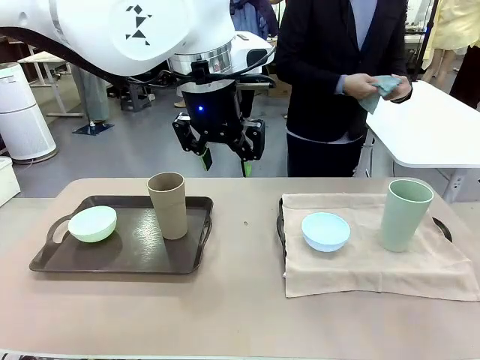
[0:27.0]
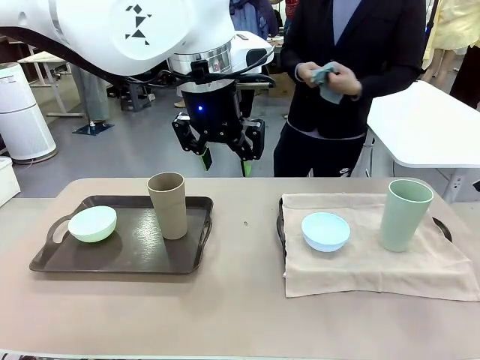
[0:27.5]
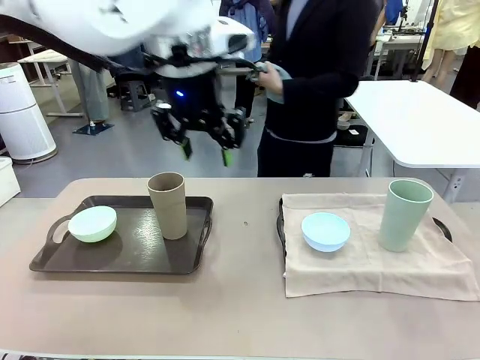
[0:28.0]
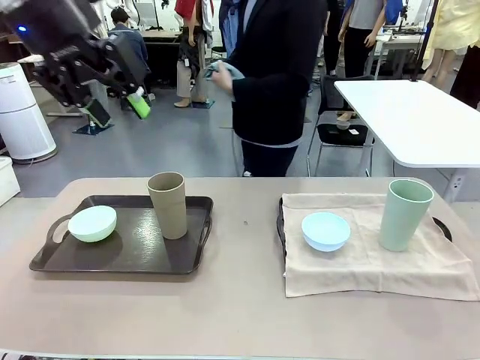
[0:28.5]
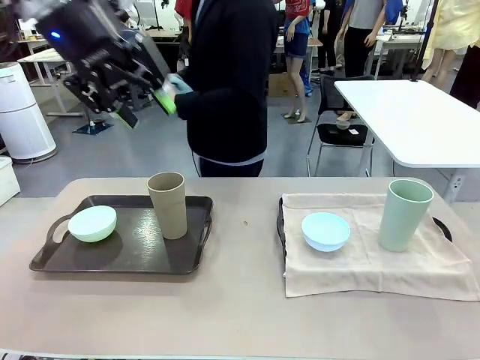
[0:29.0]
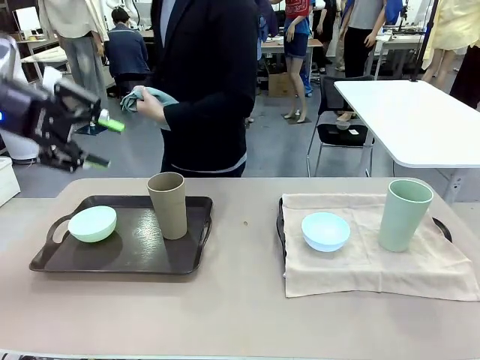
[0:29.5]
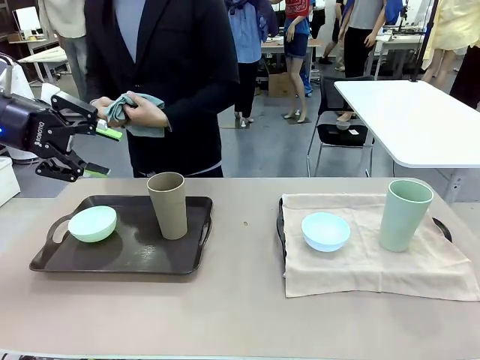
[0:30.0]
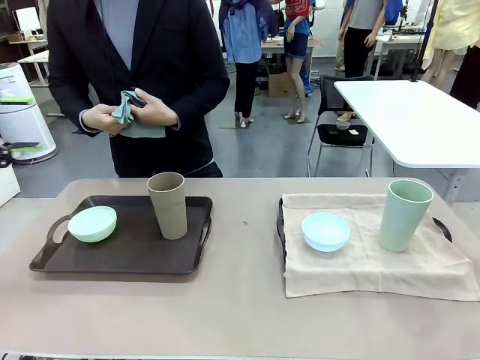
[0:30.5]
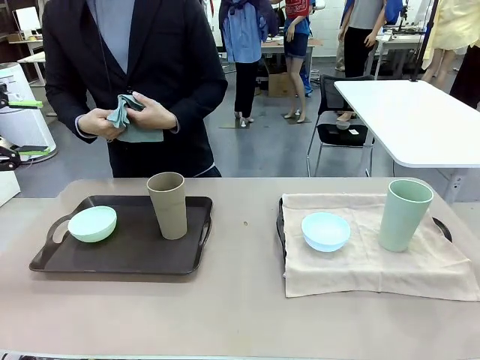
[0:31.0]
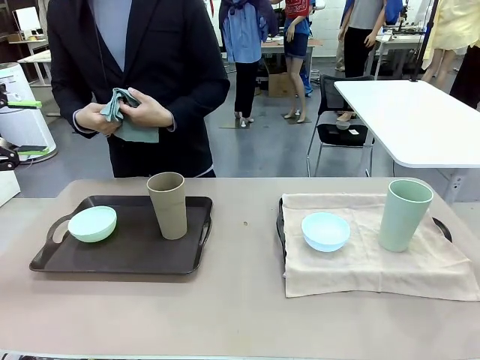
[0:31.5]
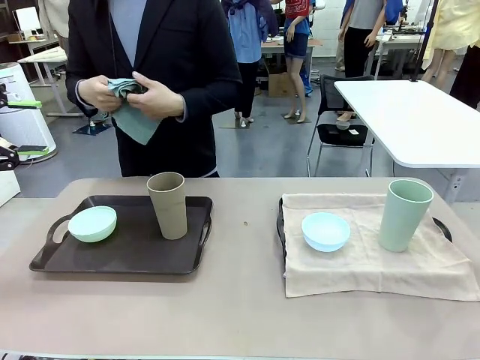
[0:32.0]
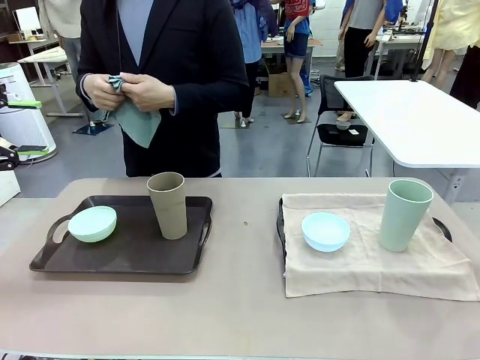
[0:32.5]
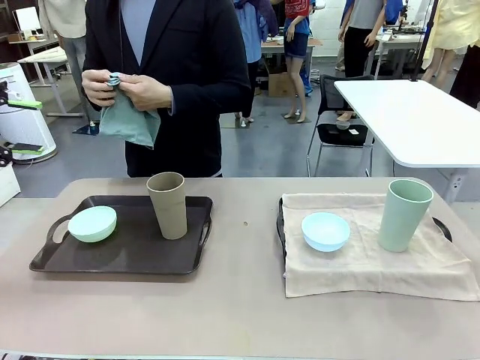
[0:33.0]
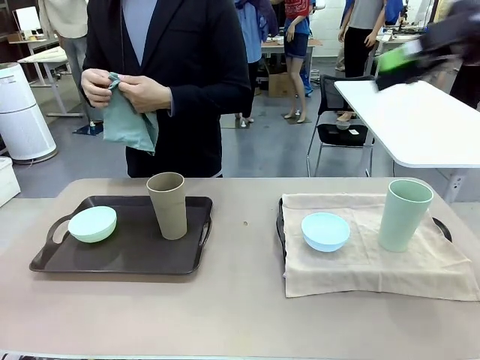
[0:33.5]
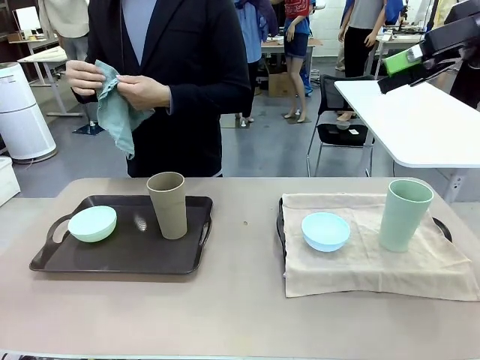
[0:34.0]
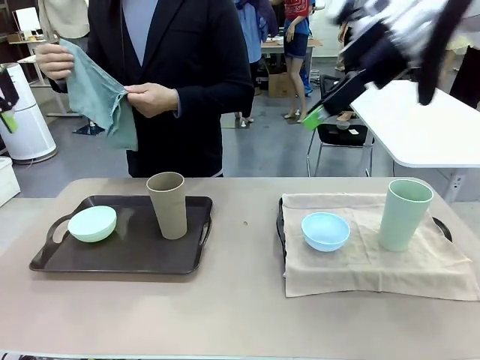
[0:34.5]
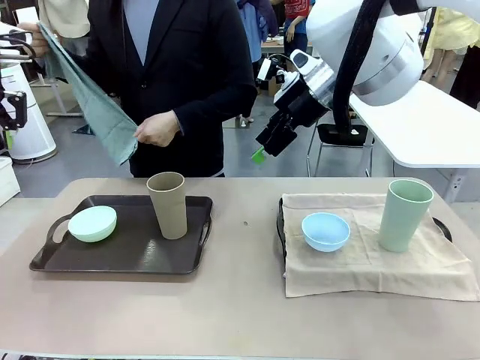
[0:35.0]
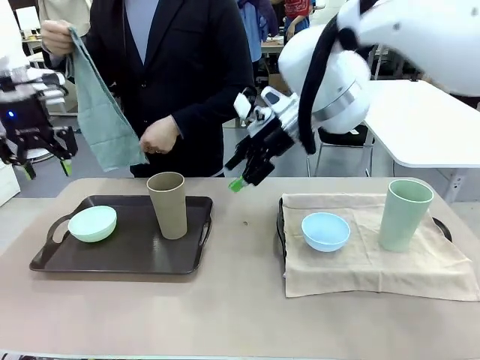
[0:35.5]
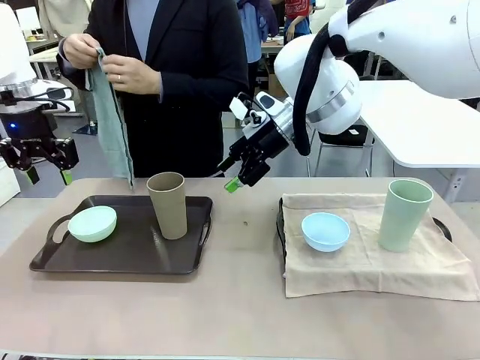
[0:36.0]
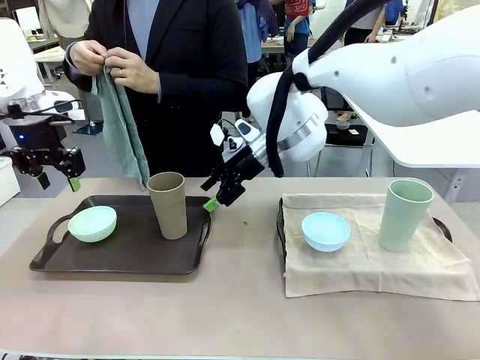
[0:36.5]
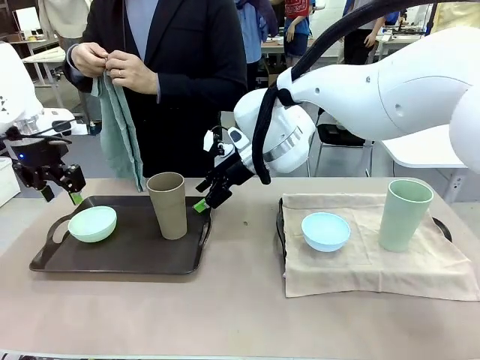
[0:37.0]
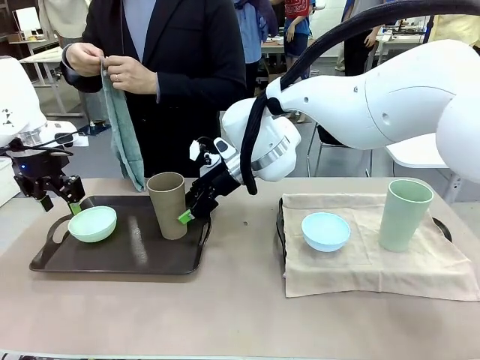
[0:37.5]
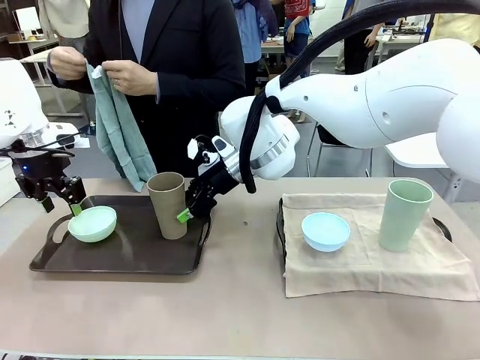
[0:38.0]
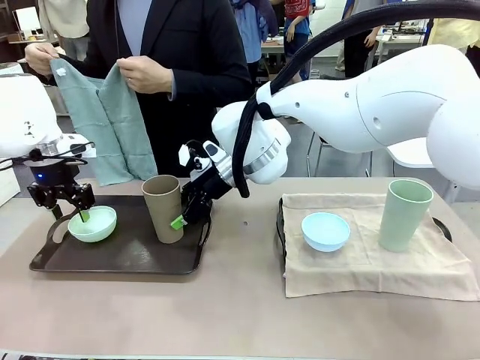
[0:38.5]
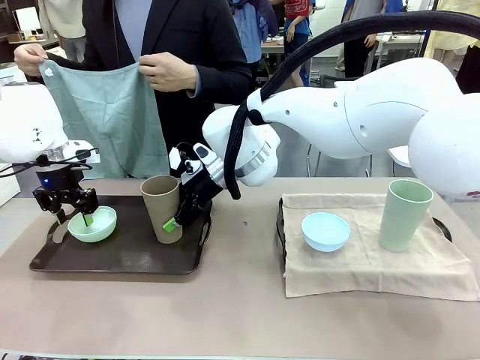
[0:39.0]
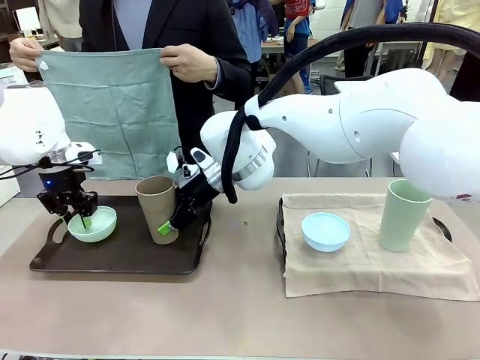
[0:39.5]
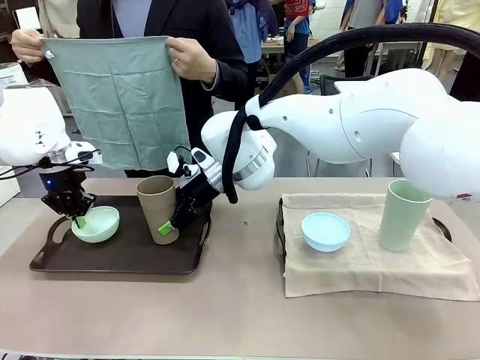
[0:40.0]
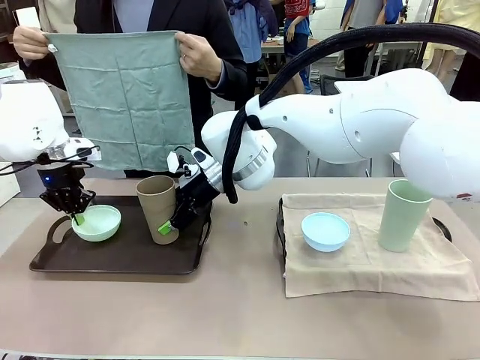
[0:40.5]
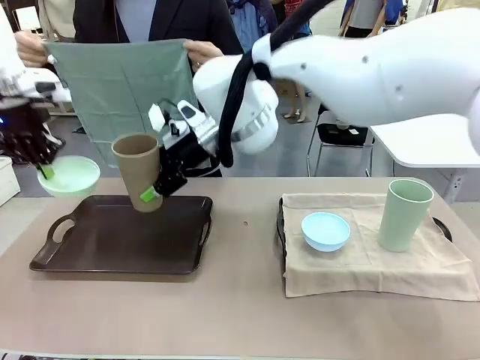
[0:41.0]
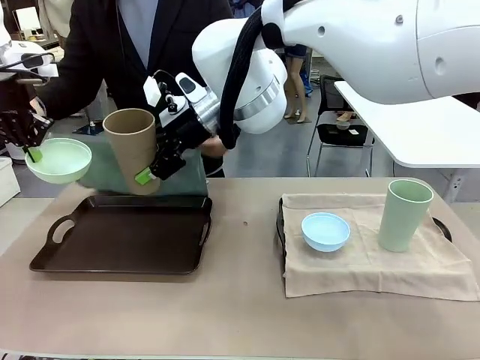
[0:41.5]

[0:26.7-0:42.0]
Robot: Pick up the Picnic Bowl and Reusable plastic cup from the Handle tray in front of the human's position and hold them in the air.
Person: When the robot lifts the bowl and the cup, the human unfolds the napkin and lays the napkin flat on the tray.

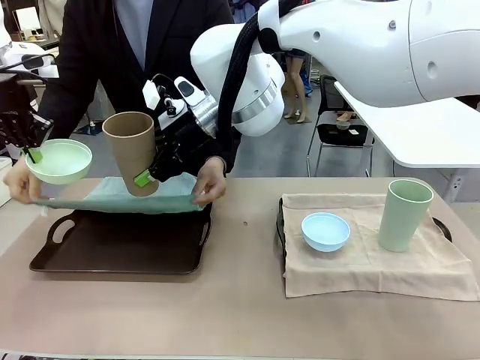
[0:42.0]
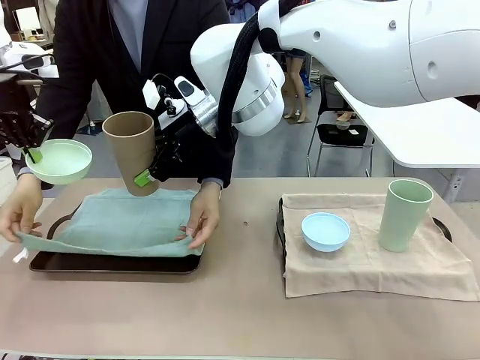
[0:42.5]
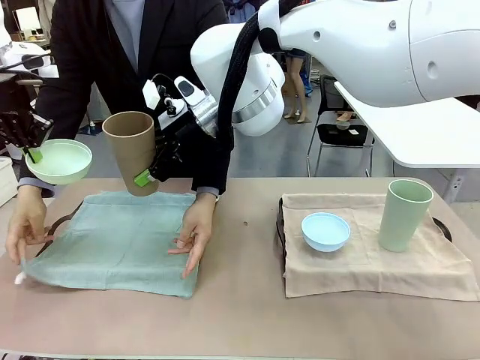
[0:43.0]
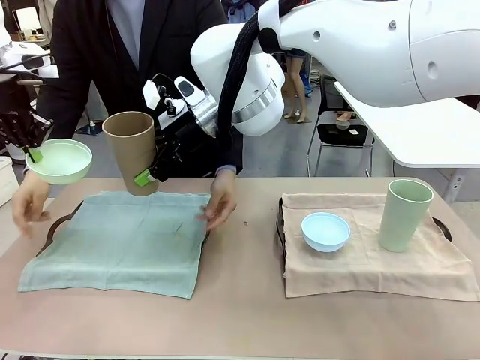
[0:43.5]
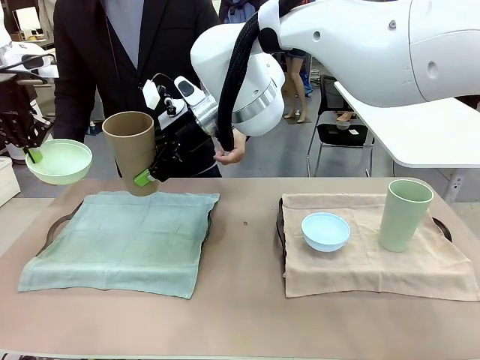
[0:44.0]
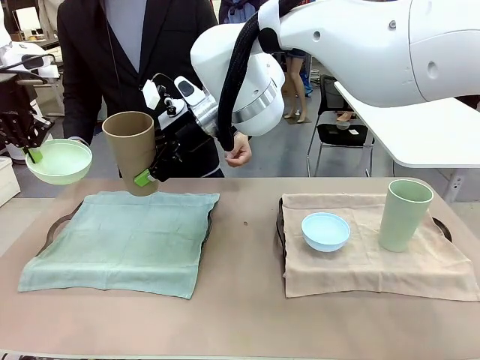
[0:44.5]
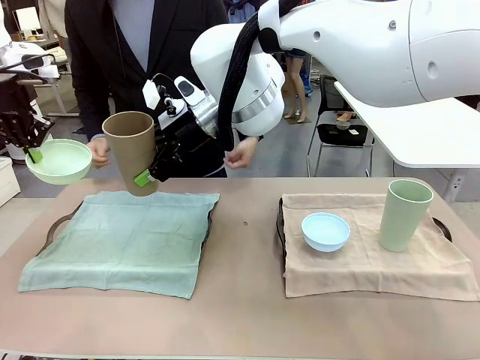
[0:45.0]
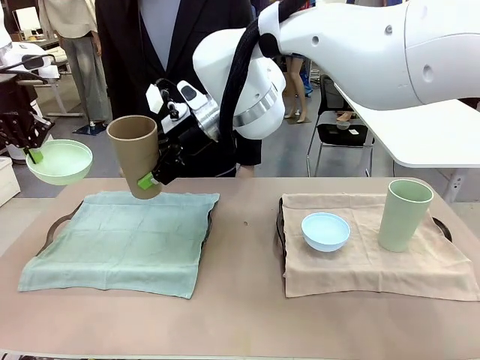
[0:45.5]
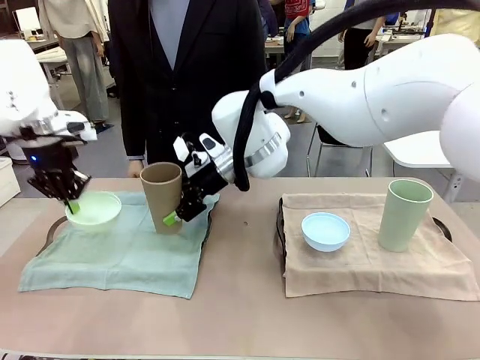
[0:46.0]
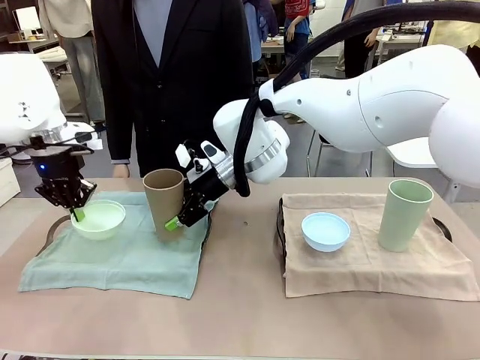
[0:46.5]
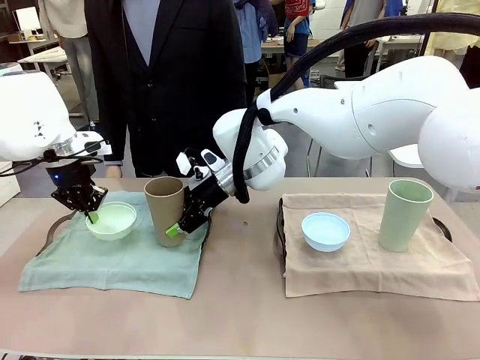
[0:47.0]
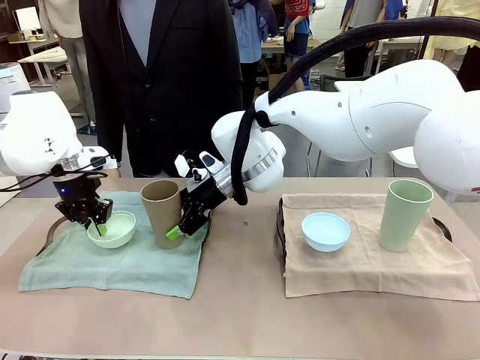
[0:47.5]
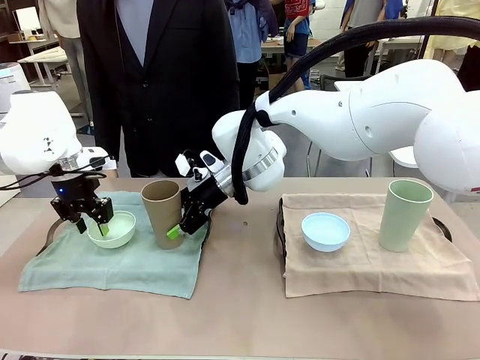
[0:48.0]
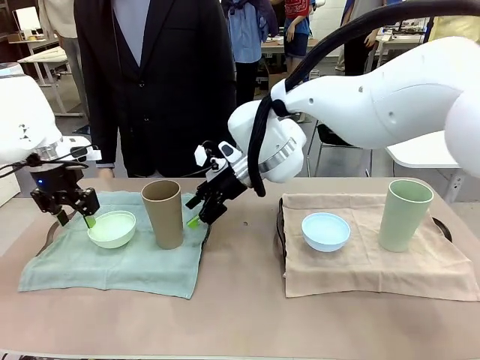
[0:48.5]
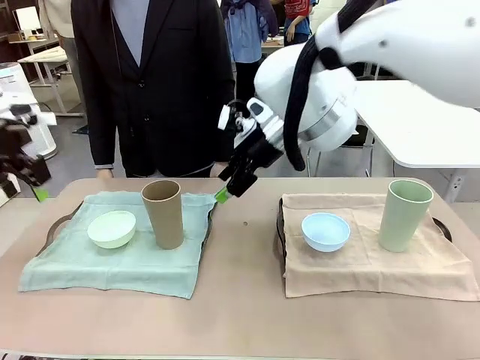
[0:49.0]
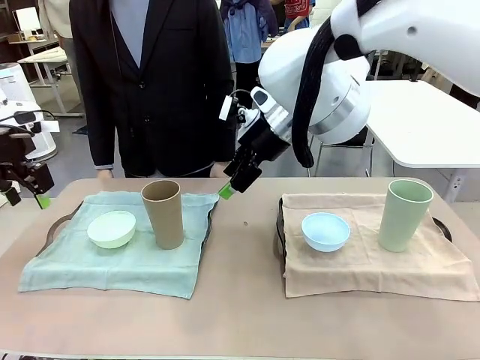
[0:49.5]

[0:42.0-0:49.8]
Robot: Place the Picnic Bowl and Reusable plastic cup back onto the Handle tray in front of the human's position.
